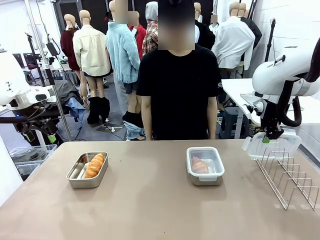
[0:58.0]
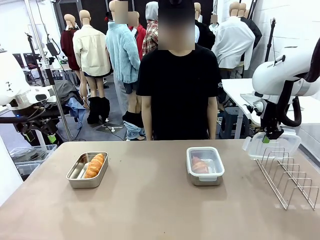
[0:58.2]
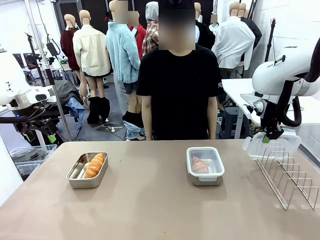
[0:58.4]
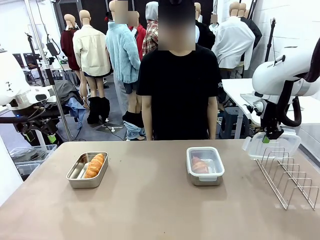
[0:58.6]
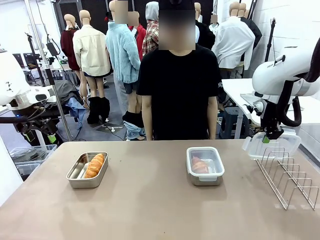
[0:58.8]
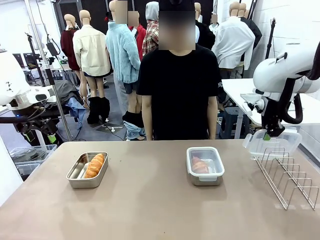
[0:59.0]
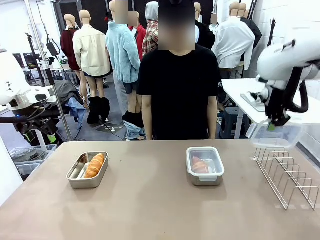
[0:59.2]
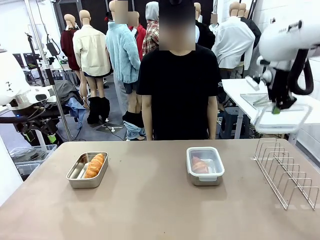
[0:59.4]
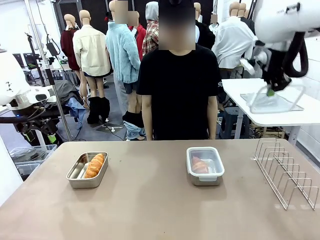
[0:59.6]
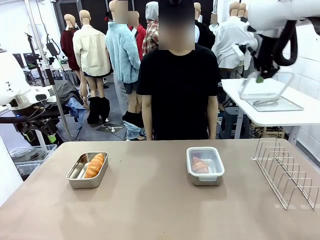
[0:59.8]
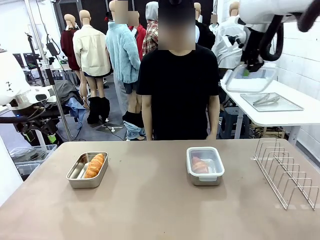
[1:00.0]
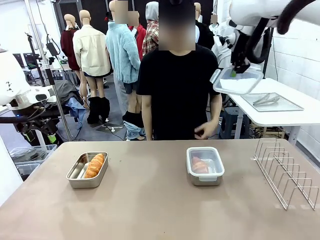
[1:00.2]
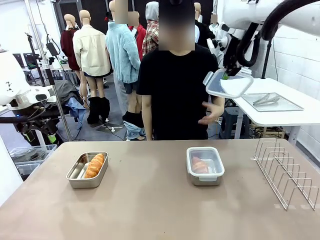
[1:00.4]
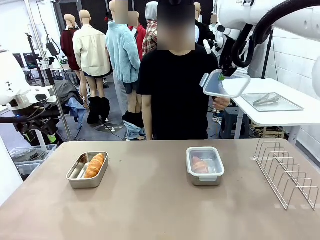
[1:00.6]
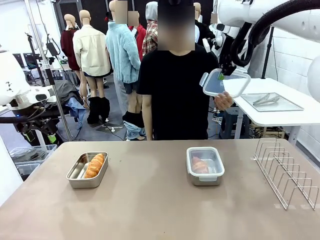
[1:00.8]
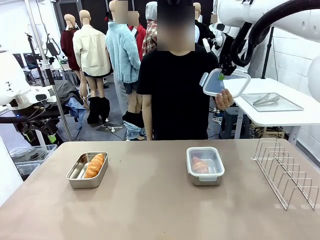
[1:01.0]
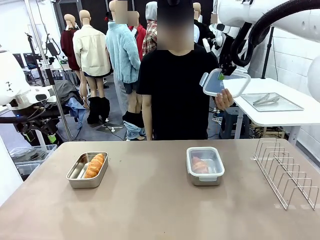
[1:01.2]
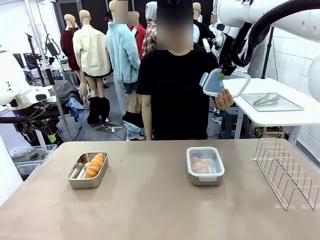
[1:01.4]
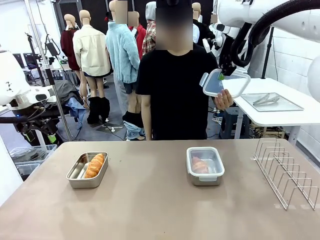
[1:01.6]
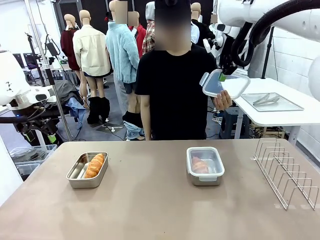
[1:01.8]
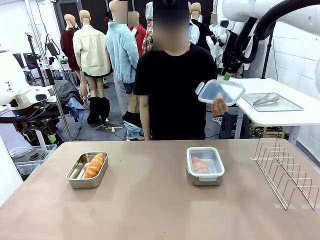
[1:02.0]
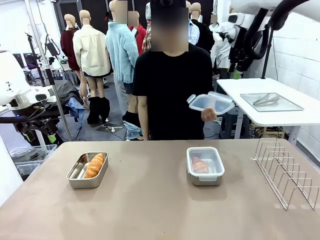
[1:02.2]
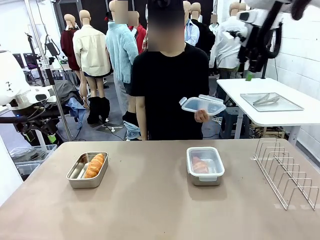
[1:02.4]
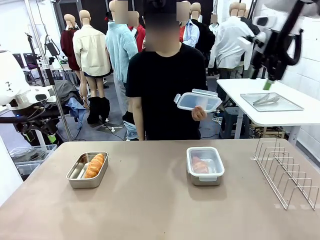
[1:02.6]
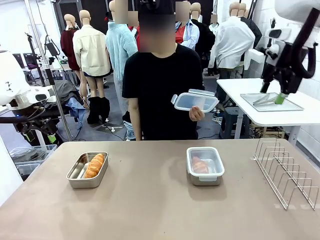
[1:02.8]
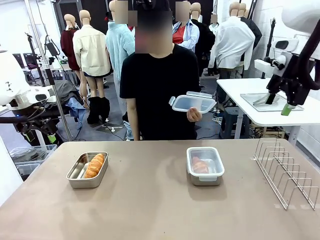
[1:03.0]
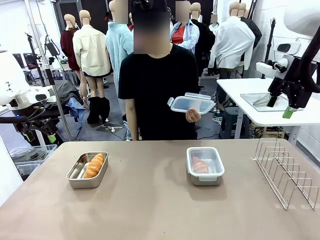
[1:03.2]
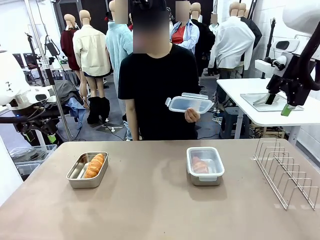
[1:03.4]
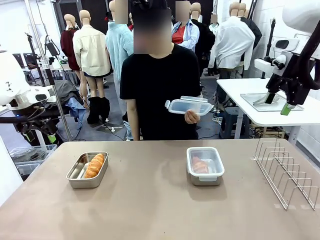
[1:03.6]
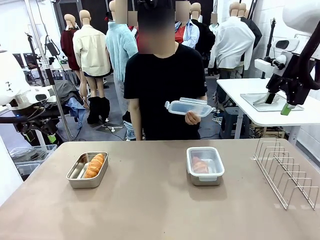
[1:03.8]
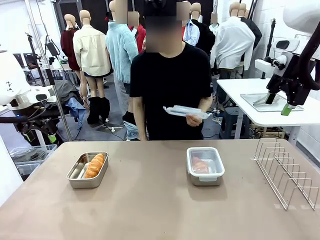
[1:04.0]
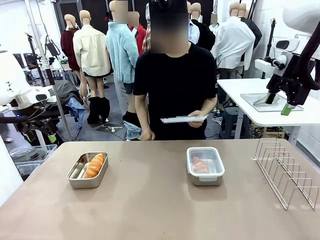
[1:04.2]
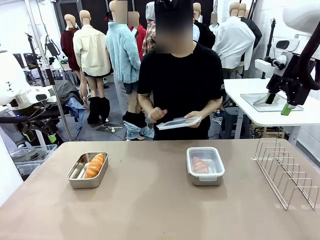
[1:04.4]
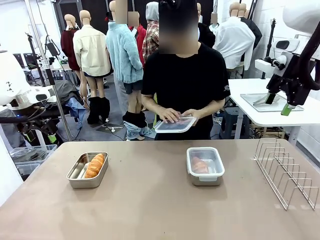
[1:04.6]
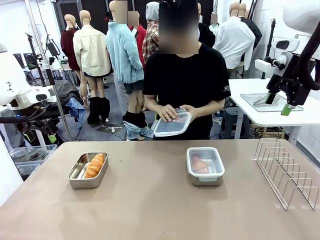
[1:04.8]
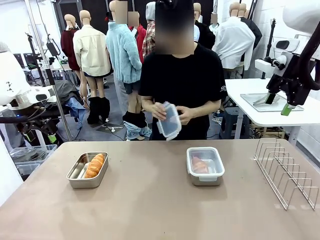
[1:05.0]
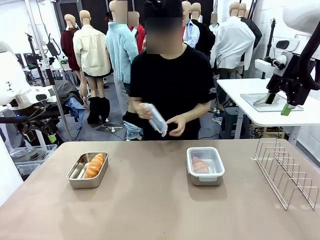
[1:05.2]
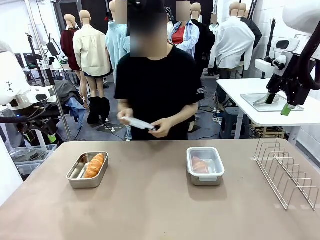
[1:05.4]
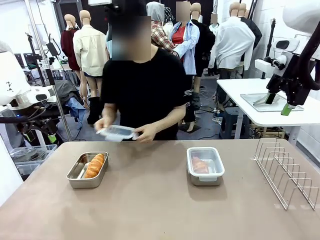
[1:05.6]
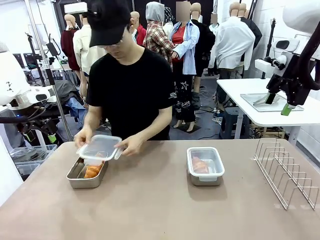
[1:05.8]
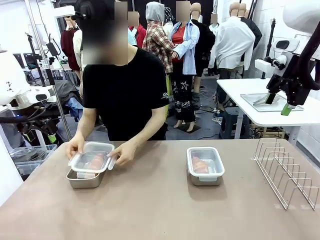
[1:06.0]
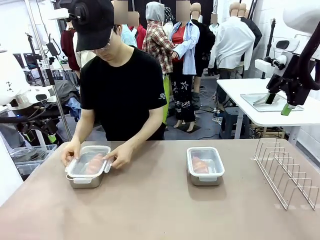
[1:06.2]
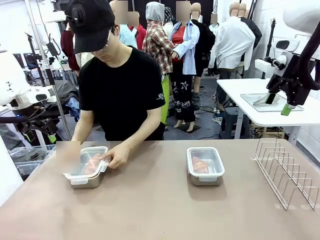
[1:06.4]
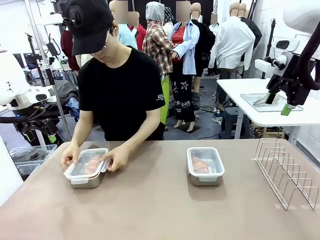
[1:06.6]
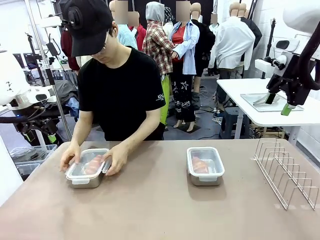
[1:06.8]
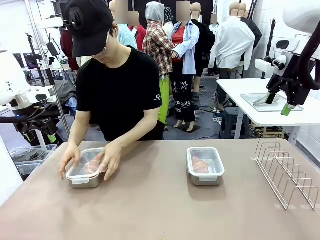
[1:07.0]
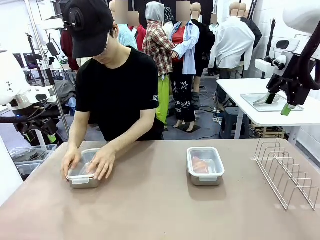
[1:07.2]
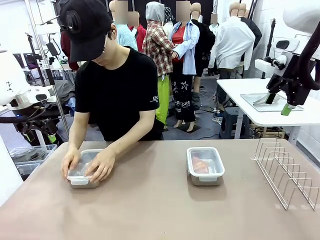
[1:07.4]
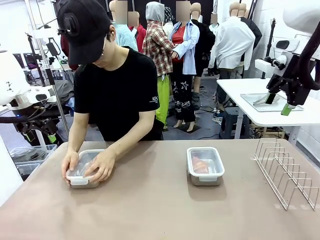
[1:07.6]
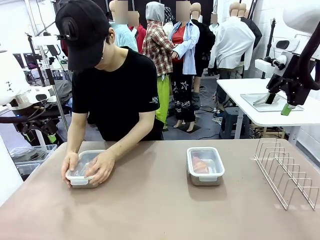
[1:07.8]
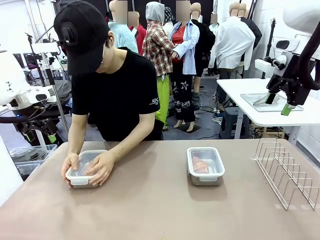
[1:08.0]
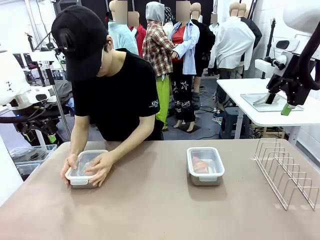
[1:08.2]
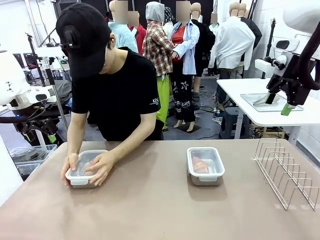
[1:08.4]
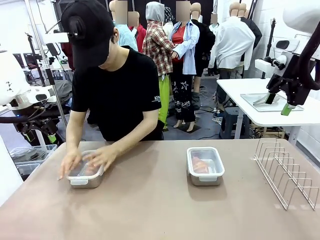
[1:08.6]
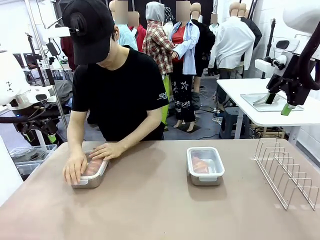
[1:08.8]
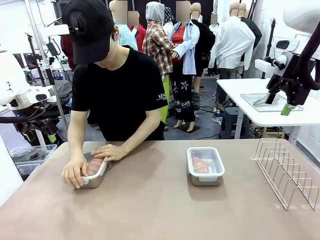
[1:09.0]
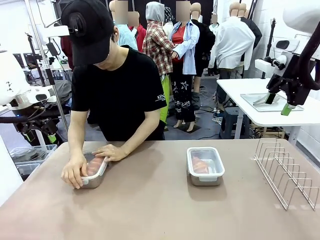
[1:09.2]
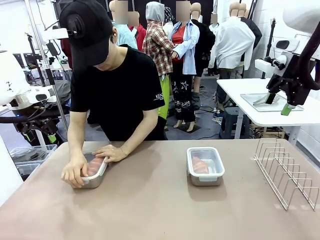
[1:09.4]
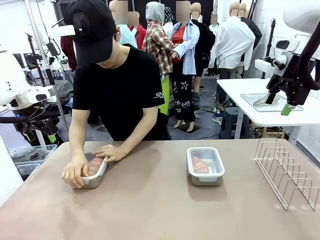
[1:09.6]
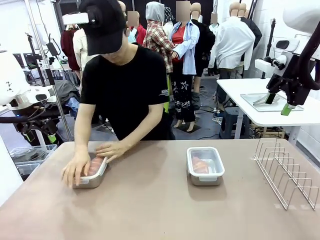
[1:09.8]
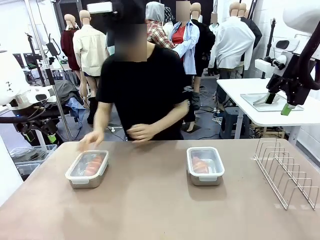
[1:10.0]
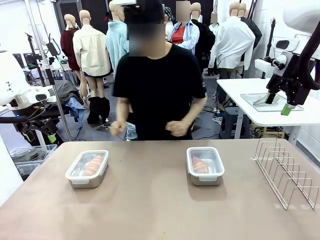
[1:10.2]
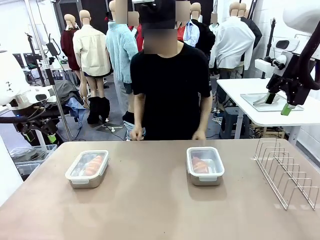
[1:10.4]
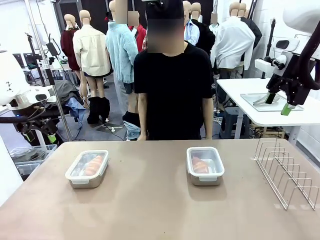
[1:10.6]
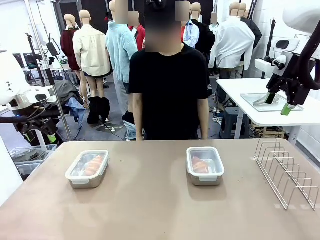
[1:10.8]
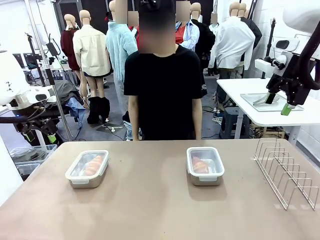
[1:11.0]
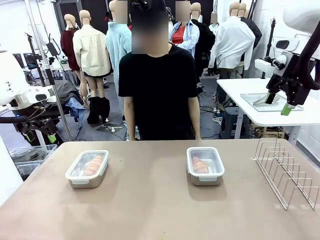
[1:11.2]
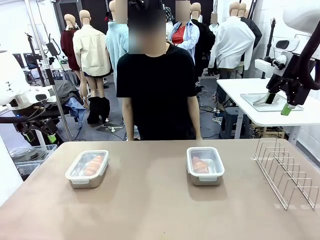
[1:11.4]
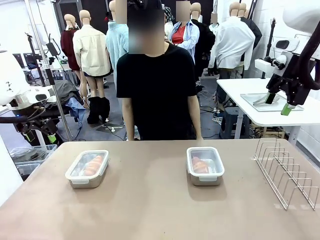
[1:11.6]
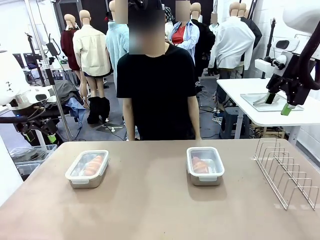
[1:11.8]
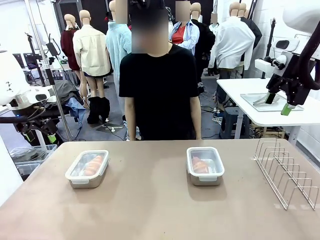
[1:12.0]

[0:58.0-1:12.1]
Task: Place the bread in airtight containers.
Robot: Release when the human grabs the Airtight Container lid.
Person: Grip Airtight Container lid that robot is handing. Close Airtight Container with a handed Airtight Container lid.

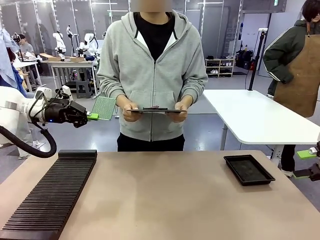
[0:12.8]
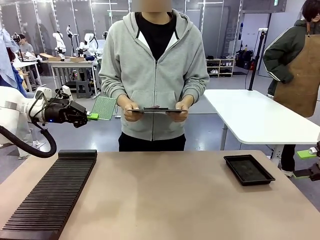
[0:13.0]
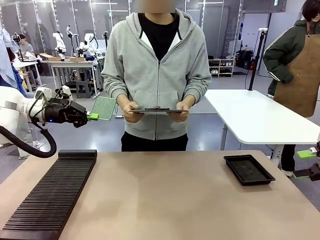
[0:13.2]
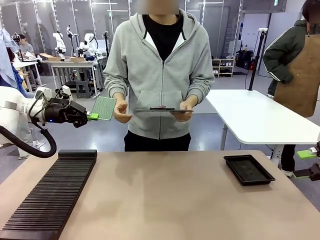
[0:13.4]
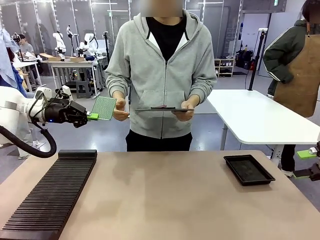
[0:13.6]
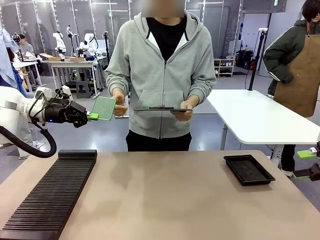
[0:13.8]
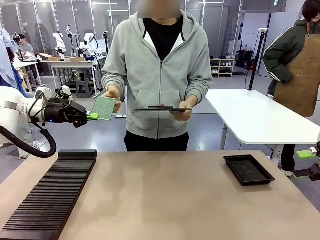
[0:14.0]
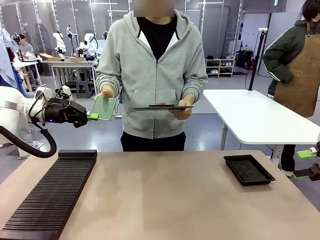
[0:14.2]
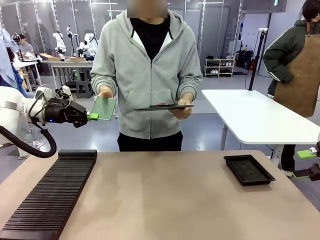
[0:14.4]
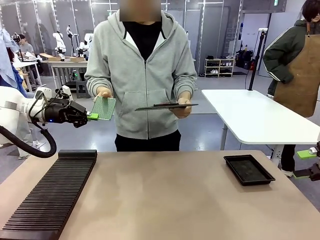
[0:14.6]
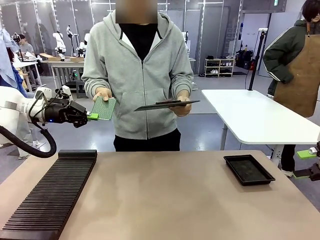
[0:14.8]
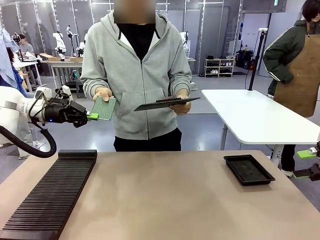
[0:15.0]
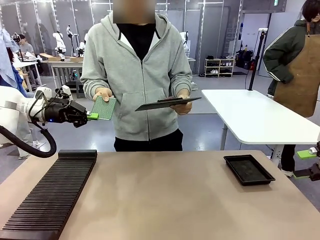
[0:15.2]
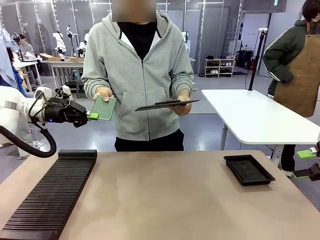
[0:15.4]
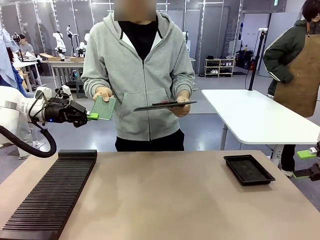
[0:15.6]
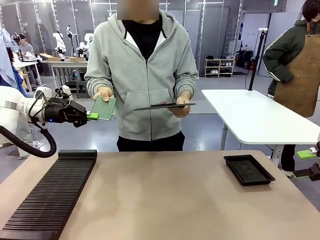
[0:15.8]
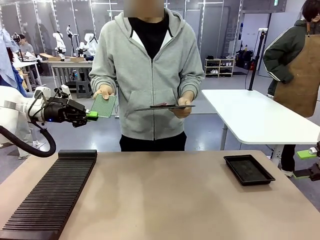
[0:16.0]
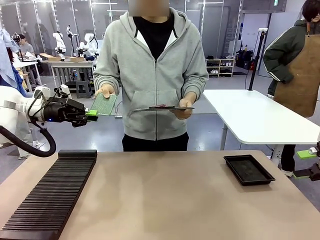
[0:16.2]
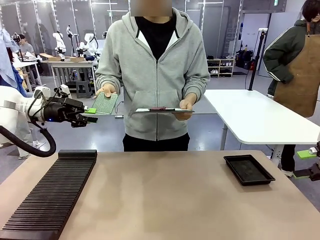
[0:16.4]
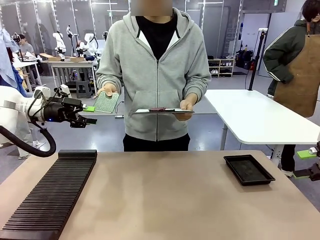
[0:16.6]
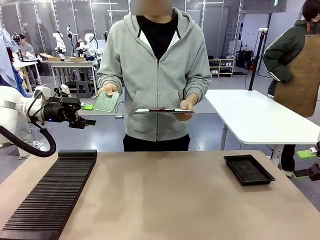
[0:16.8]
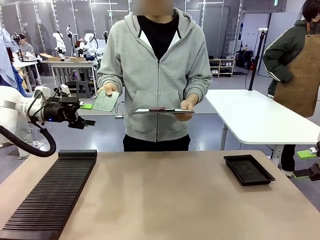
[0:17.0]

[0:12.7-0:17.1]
Task: Inspect the PCB.
Robot: Release the Blank PCB you were holding.
